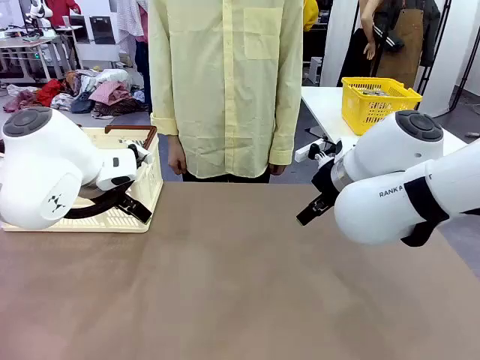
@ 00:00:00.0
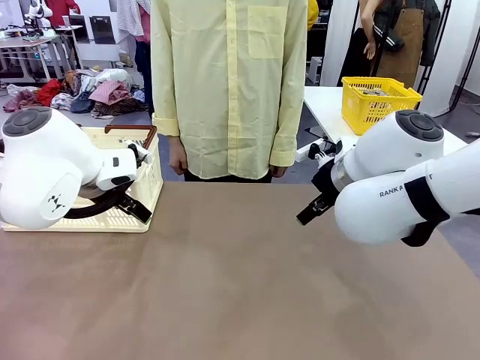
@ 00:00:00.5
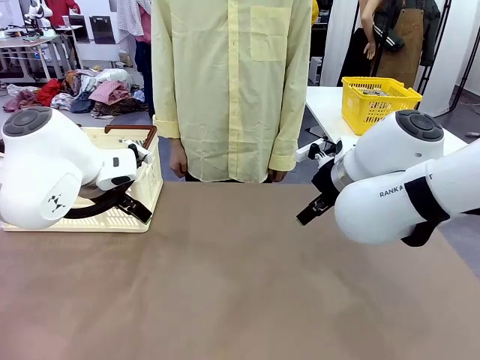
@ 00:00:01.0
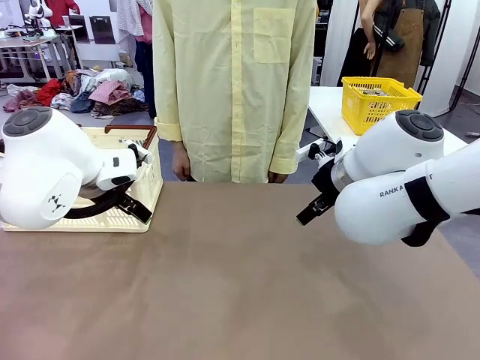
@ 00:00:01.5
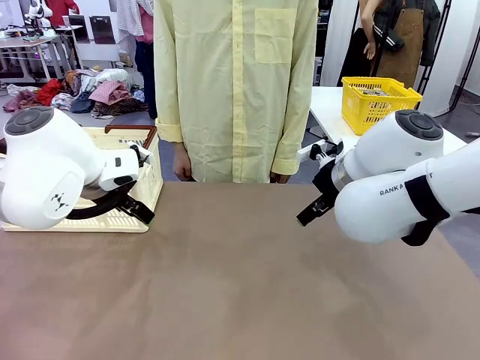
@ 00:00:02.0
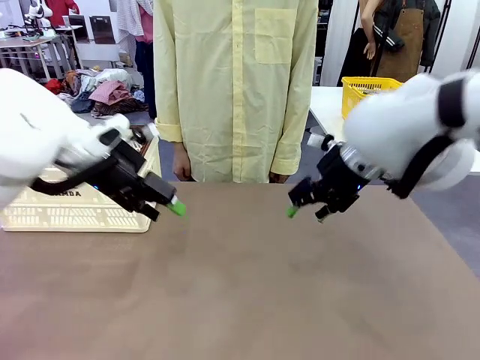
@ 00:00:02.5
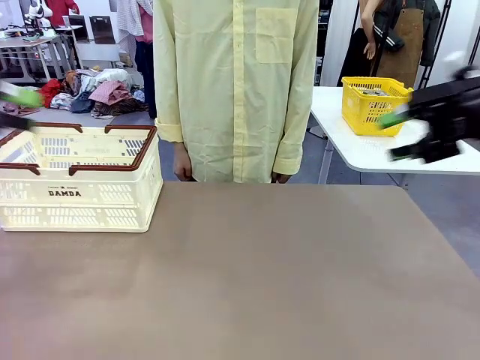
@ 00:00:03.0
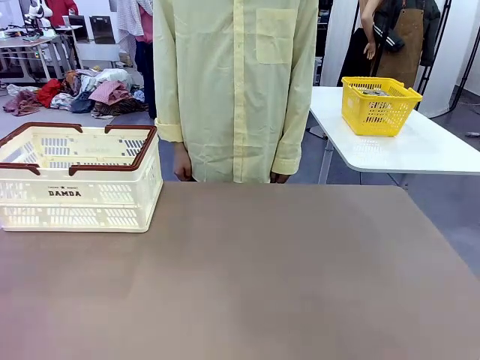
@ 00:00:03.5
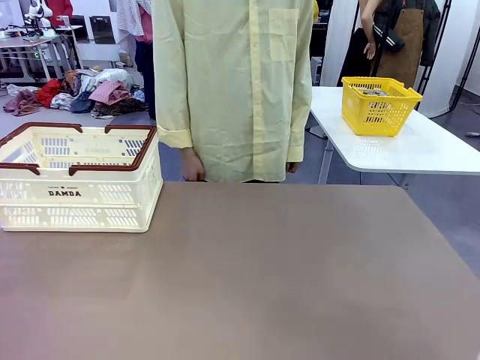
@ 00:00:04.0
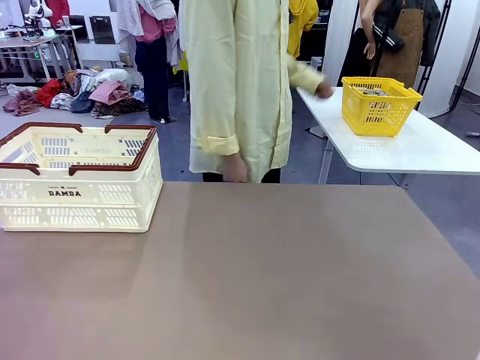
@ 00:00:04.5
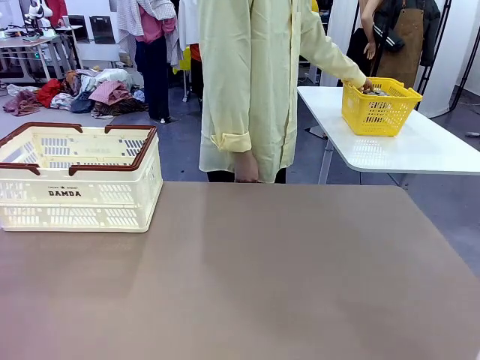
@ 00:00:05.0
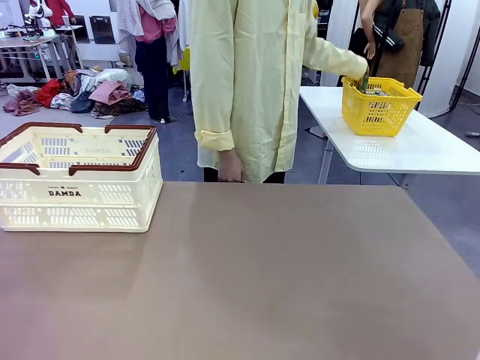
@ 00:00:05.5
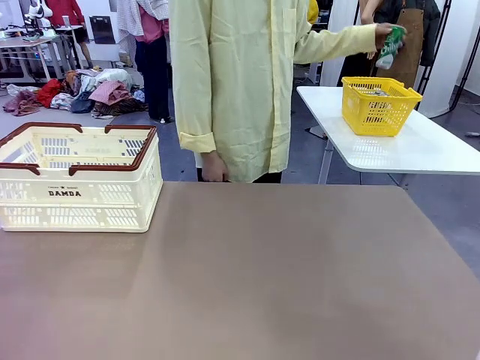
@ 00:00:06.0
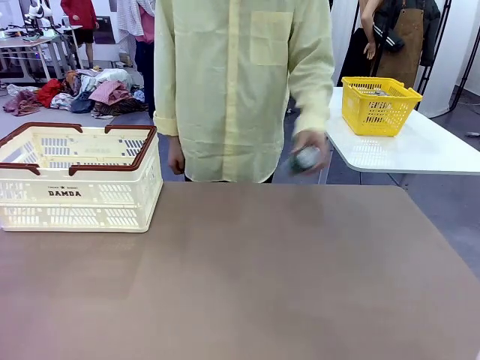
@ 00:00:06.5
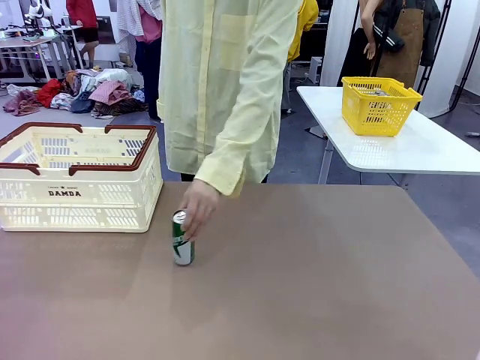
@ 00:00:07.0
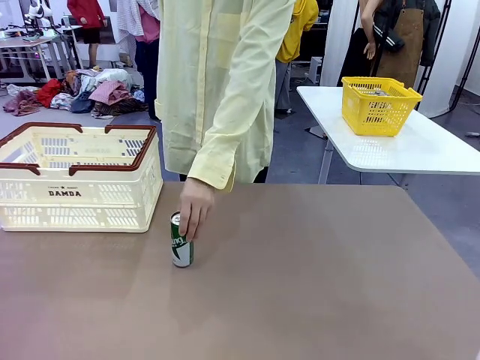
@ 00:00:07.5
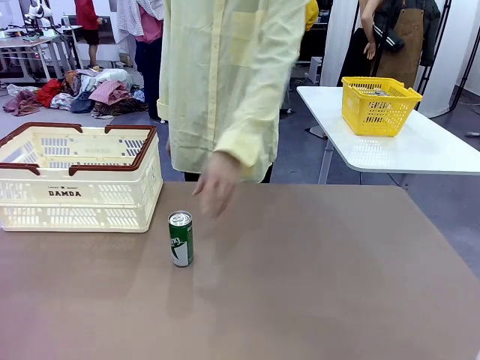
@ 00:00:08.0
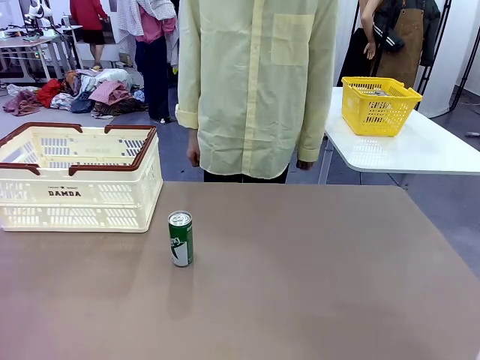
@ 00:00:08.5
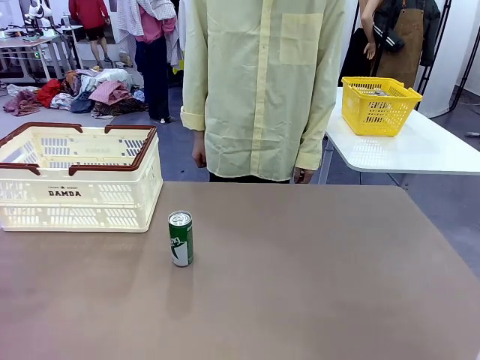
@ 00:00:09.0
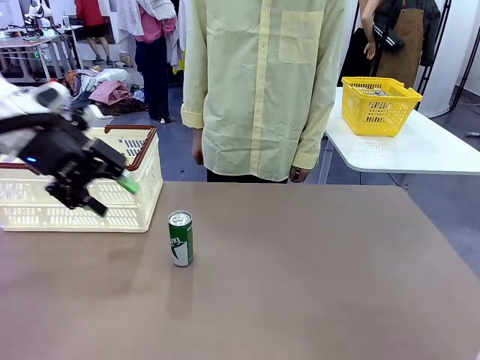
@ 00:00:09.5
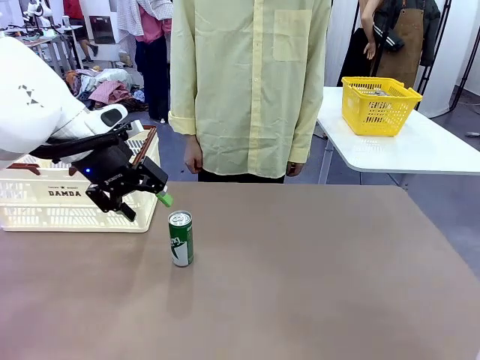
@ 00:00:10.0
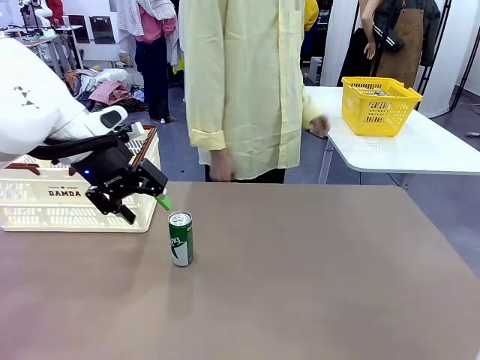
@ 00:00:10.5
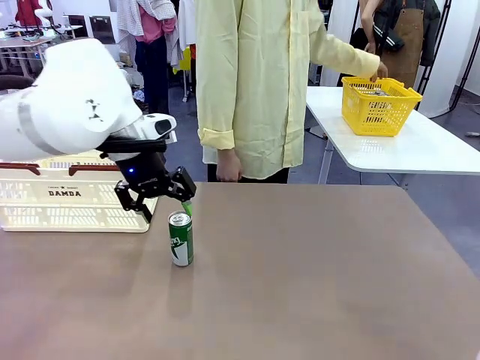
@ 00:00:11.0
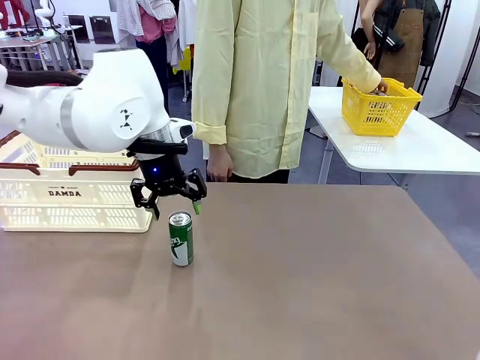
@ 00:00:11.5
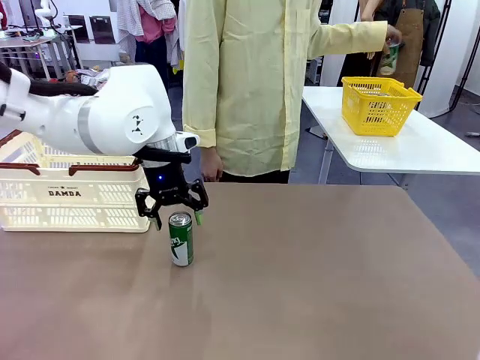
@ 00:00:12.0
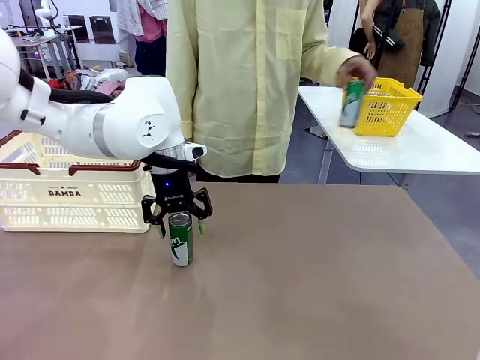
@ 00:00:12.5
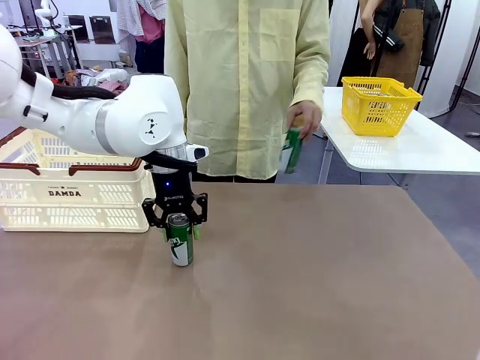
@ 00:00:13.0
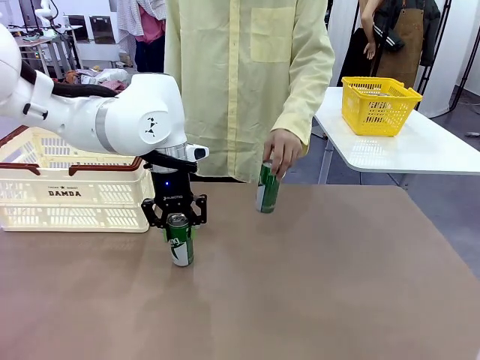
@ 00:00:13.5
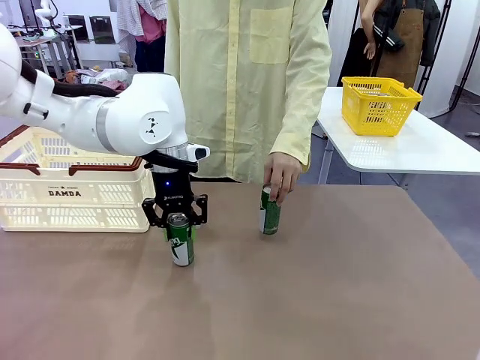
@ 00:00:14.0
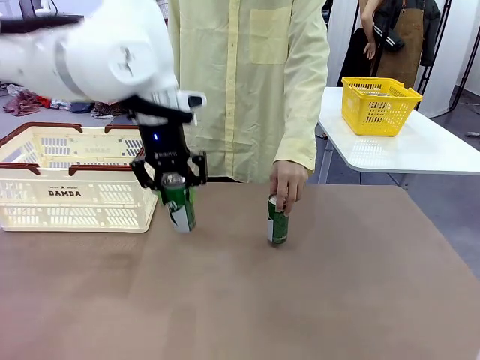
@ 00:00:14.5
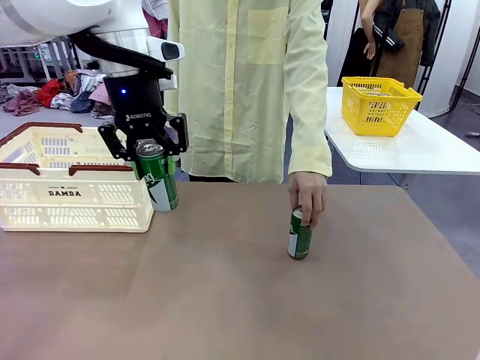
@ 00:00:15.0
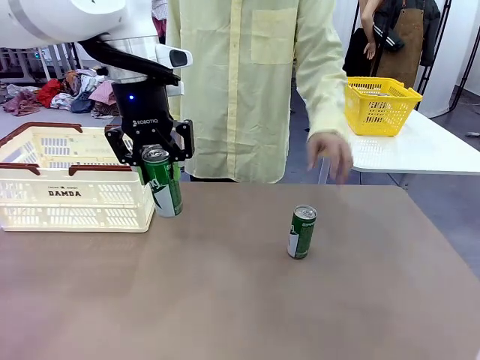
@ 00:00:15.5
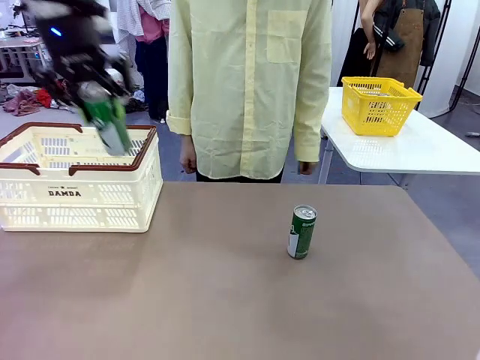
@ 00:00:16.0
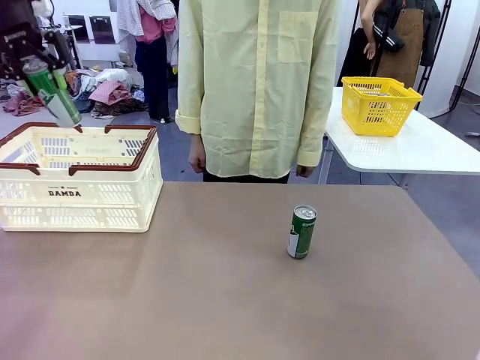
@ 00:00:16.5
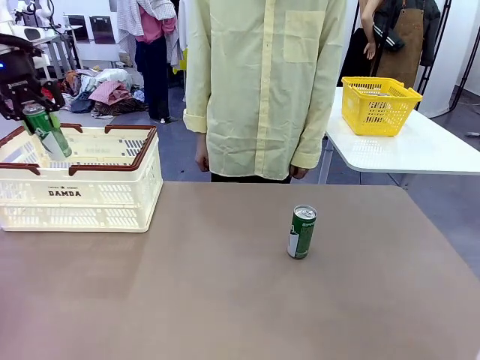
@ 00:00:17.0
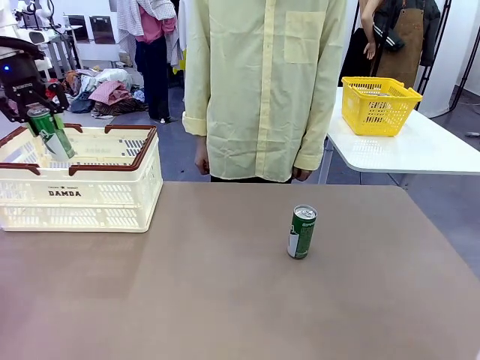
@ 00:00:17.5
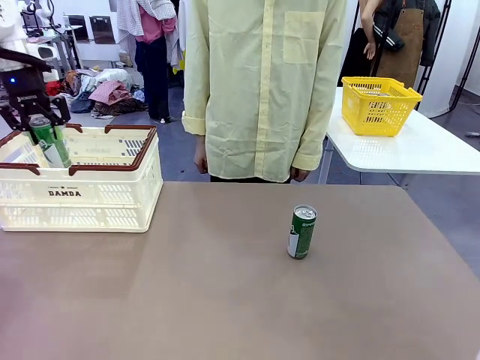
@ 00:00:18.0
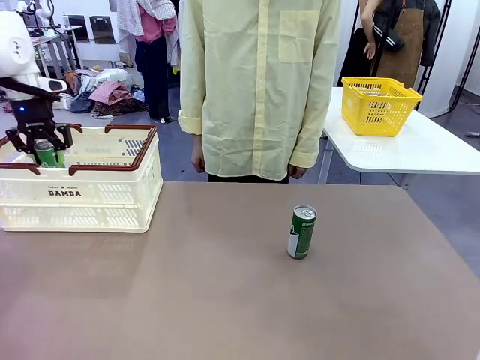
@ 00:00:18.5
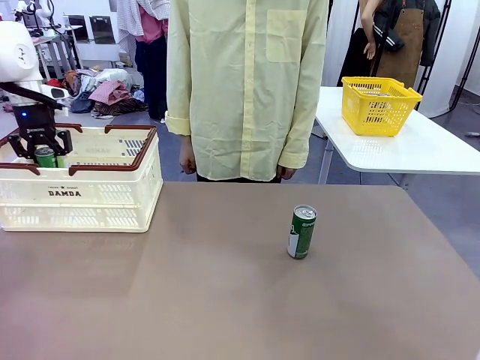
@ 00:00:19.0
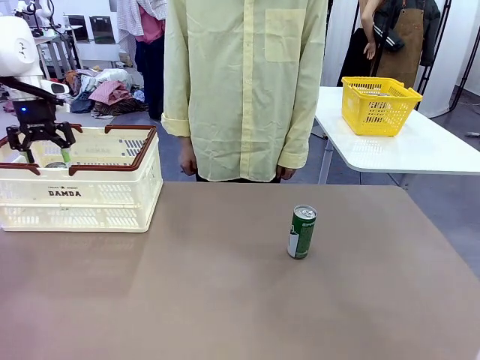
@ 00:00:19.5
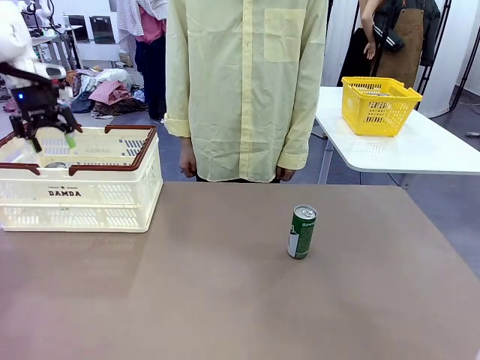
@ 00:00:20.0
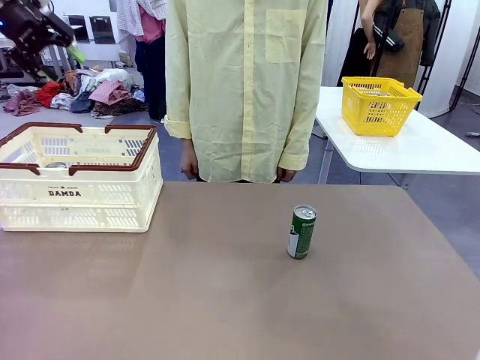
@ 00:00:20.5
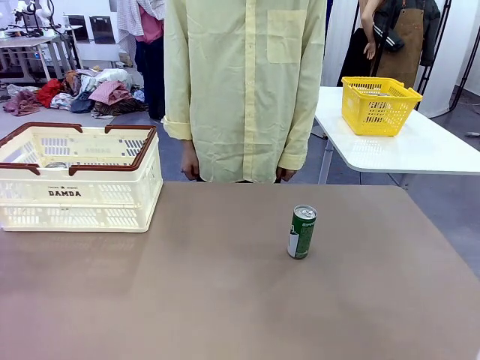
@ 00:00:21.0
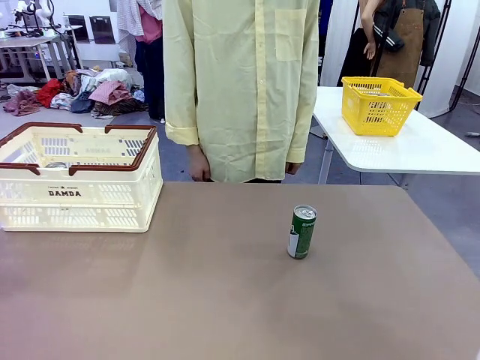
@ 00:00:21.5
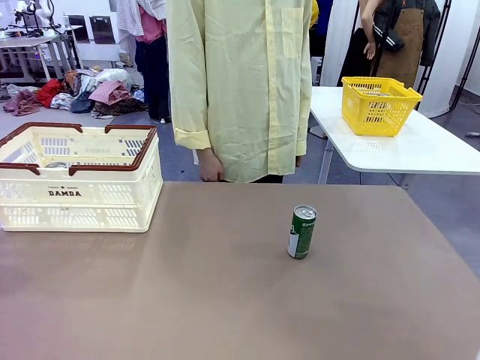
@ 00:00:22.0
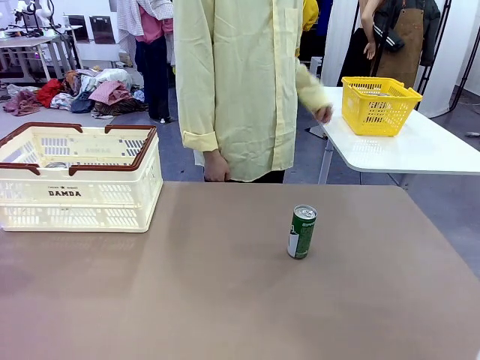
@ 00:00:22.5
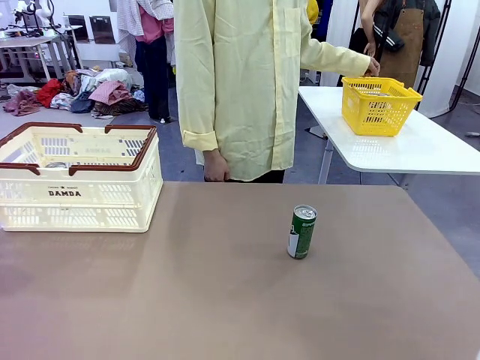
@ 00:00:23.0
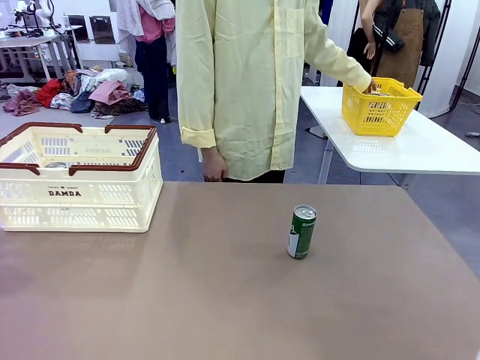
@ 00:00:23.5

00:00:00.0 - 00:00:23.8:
Task: Place the drinks into the Shopping basket.
Robot: Pick up one drink and place it into the Shopping basket.
